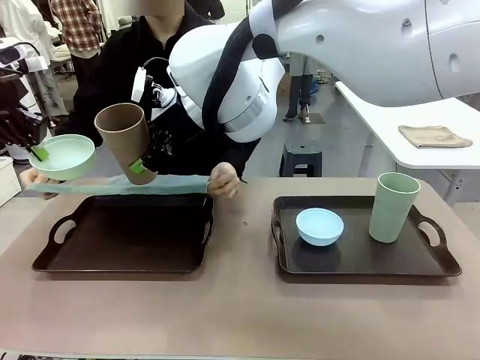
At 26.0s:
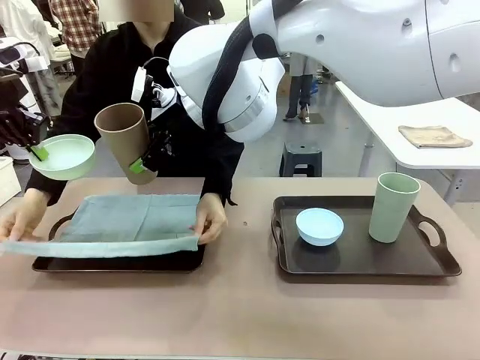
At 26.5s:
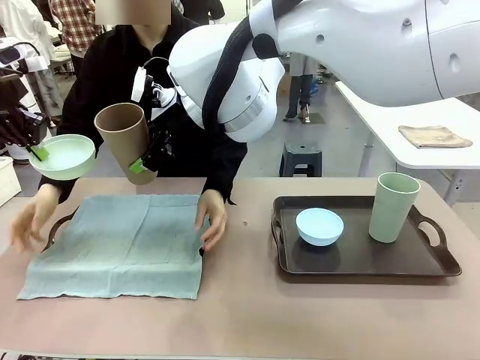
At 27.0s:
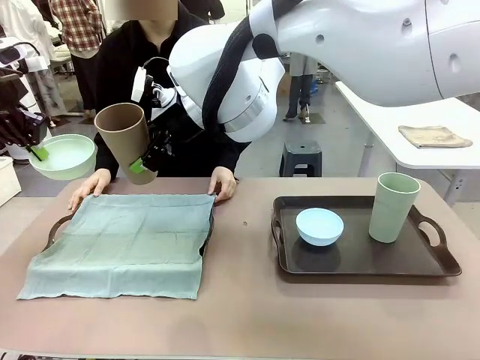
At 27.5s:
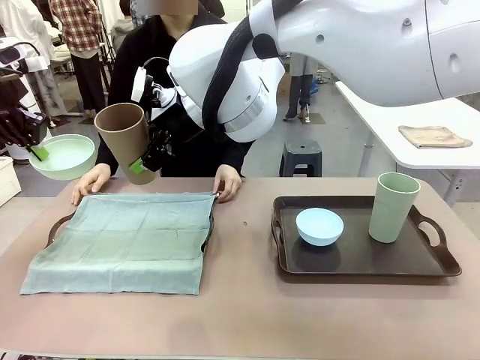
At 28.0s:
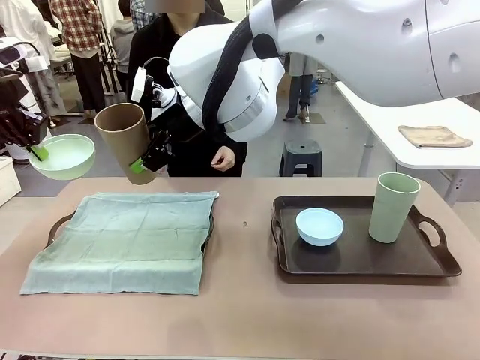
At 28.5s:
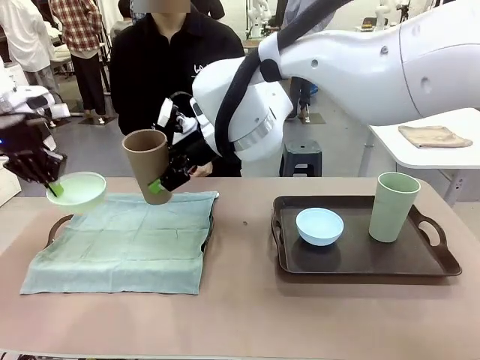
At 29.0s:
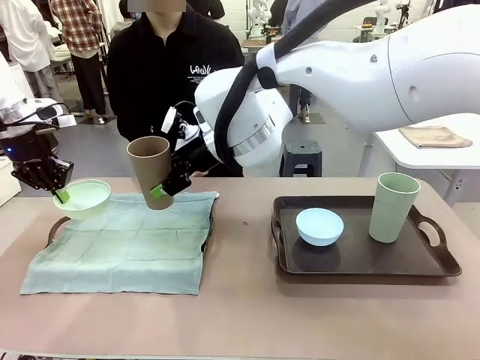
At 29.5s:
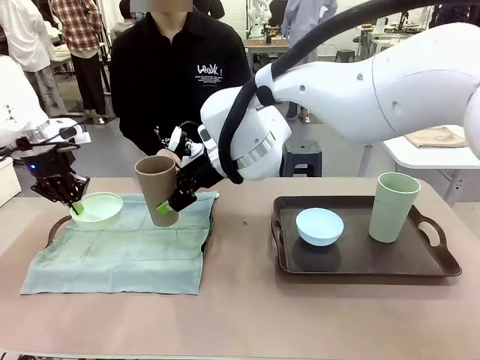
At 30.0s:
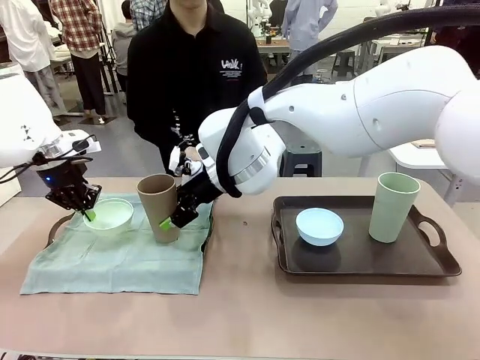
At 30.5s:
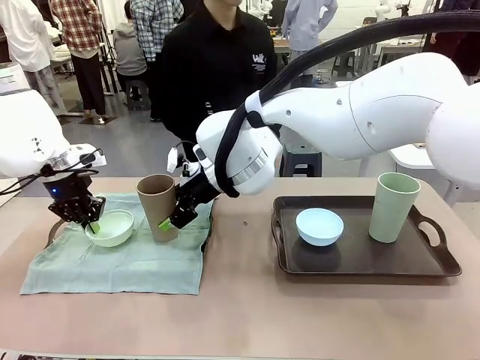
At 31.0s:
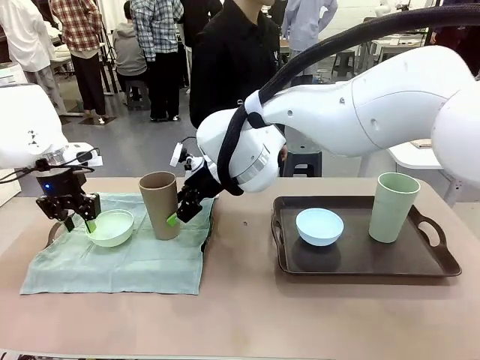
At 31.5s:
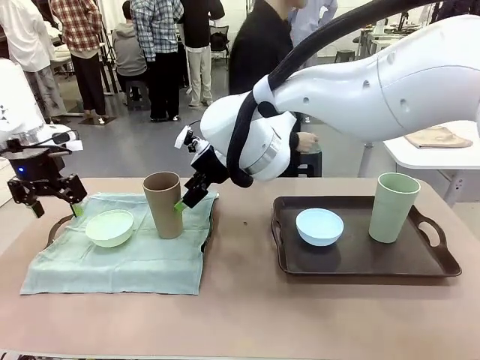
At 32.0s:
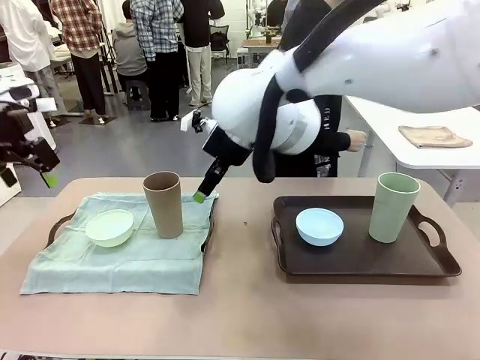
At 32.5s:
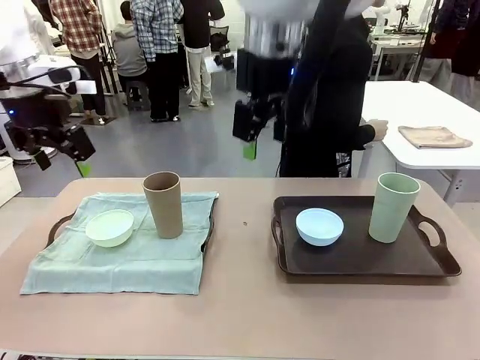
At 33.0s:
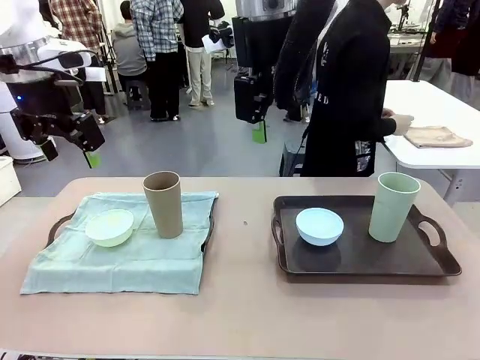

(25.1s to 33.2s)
Robot: Place the Picnic Bowl and Reusable plastic cup back onto the Handle tray in front of the human's position.

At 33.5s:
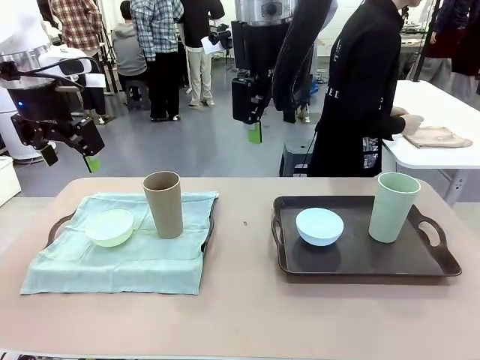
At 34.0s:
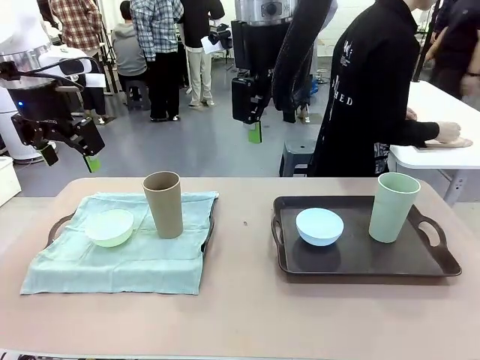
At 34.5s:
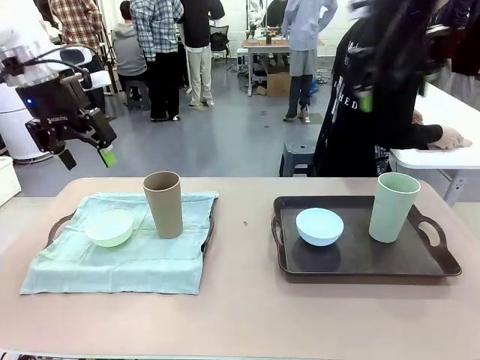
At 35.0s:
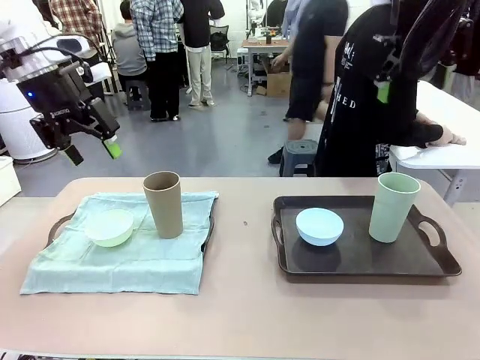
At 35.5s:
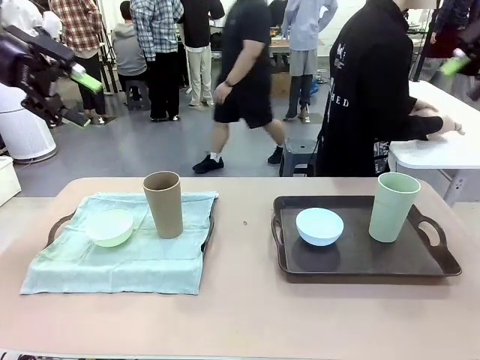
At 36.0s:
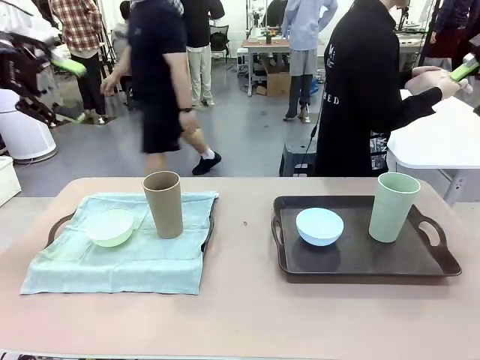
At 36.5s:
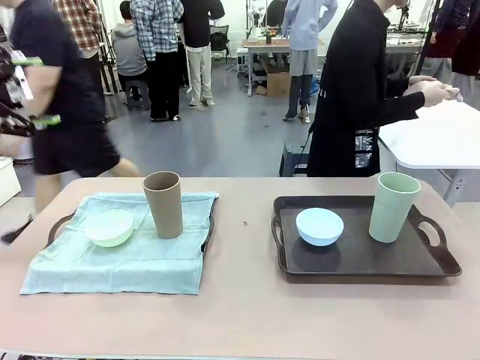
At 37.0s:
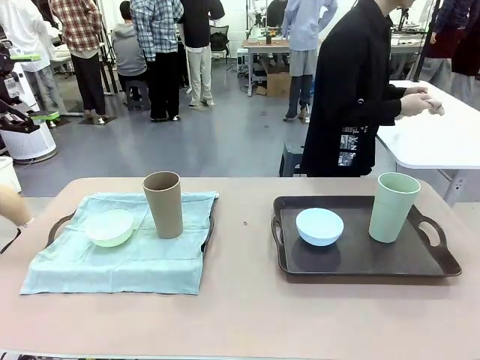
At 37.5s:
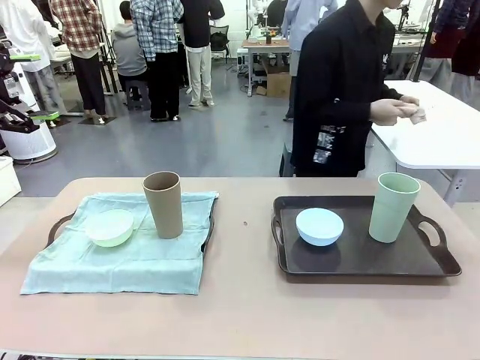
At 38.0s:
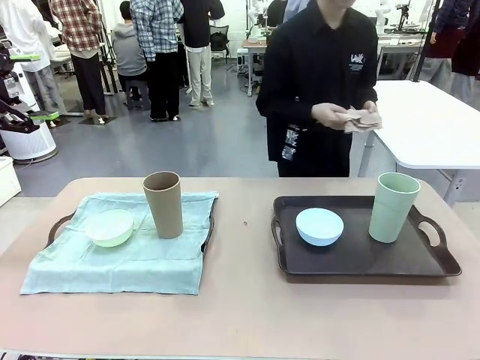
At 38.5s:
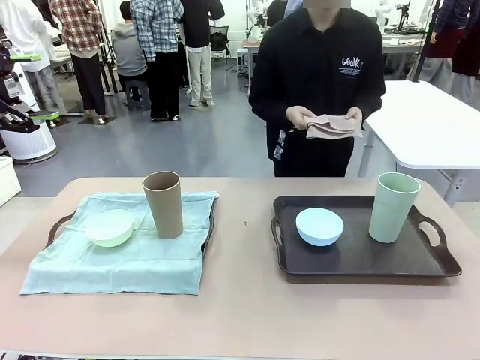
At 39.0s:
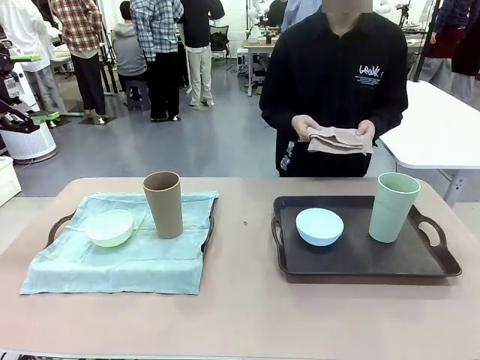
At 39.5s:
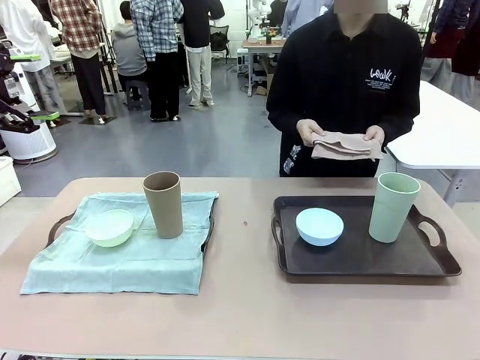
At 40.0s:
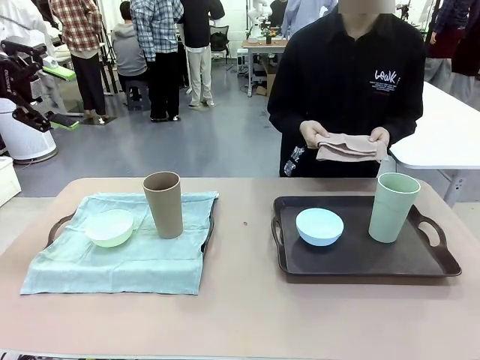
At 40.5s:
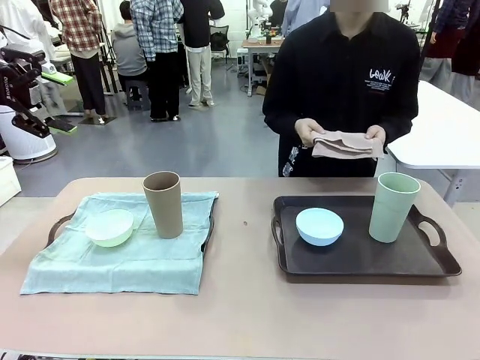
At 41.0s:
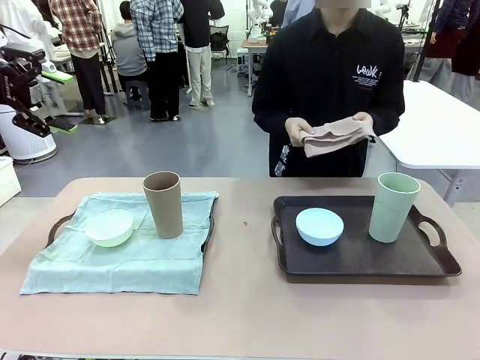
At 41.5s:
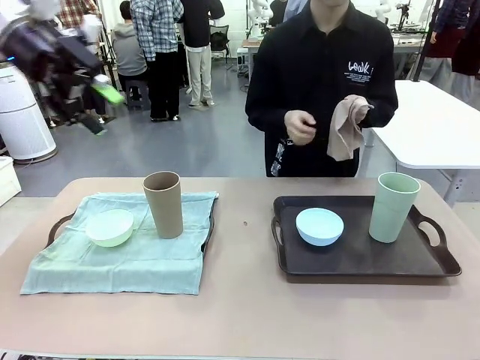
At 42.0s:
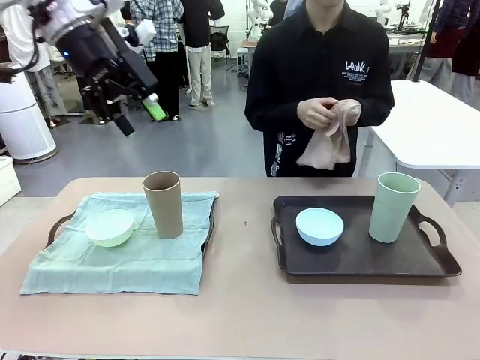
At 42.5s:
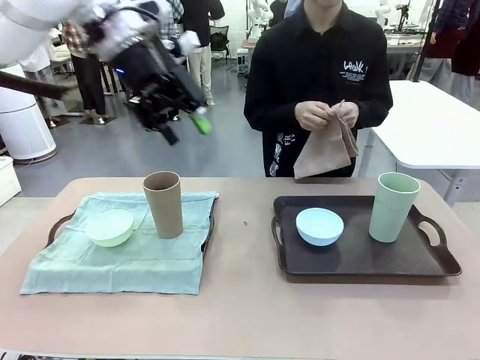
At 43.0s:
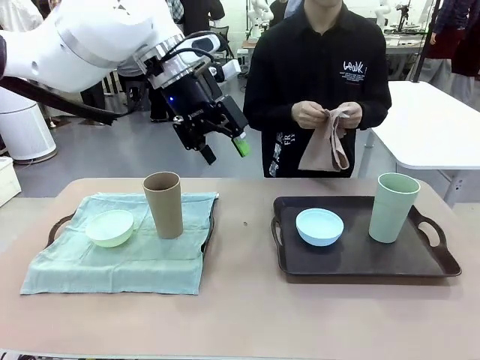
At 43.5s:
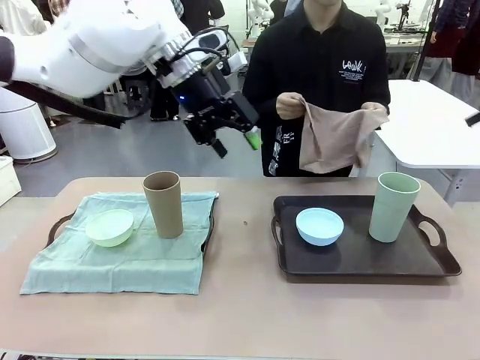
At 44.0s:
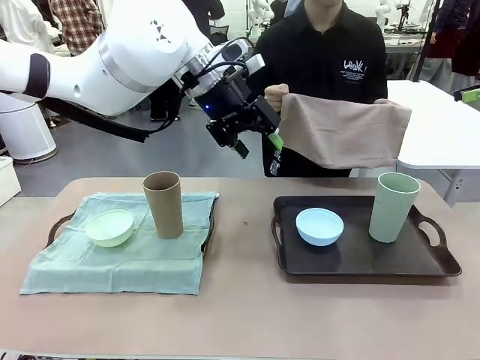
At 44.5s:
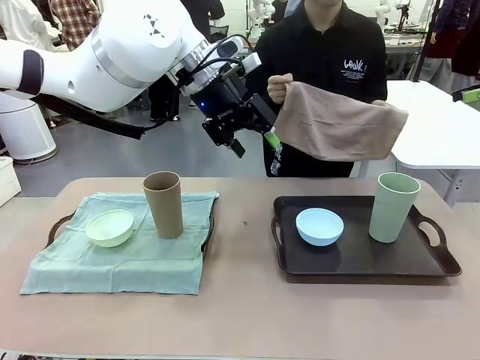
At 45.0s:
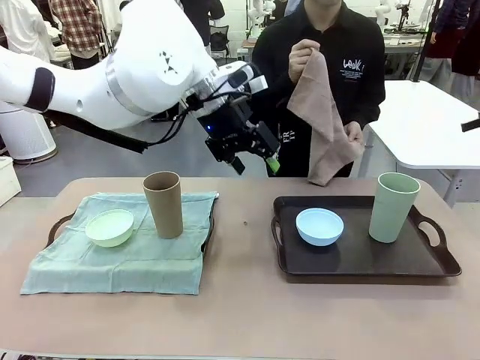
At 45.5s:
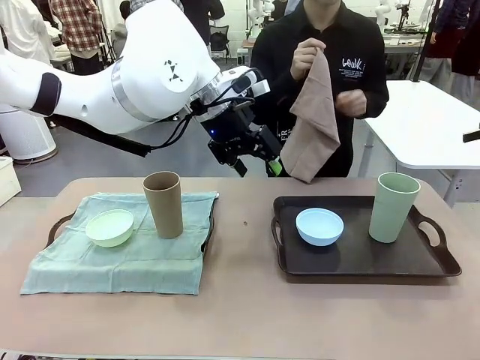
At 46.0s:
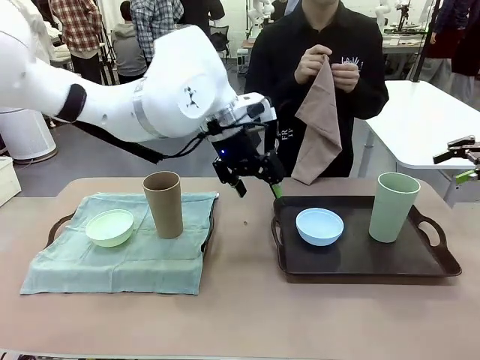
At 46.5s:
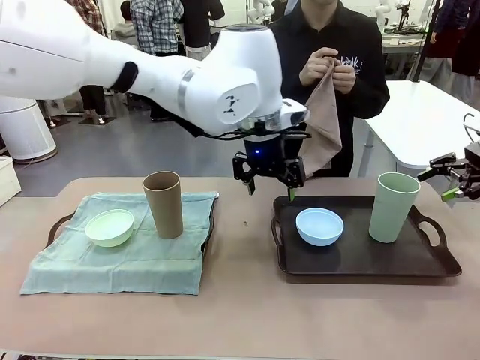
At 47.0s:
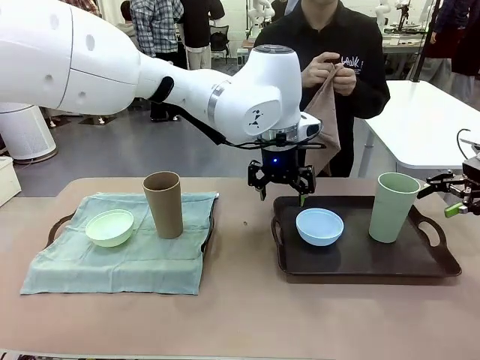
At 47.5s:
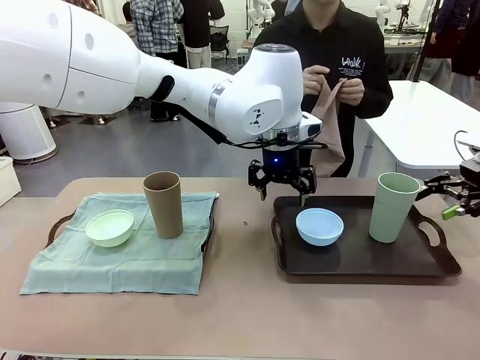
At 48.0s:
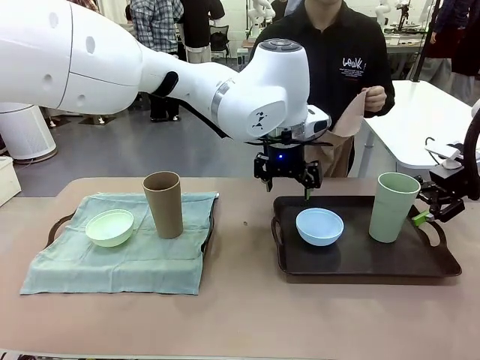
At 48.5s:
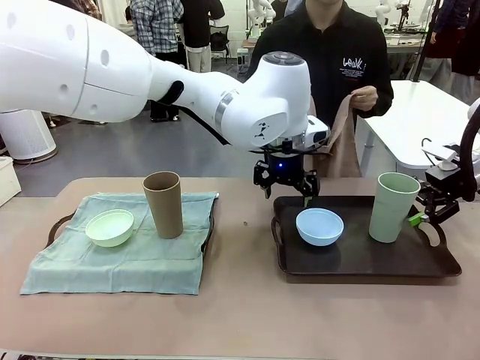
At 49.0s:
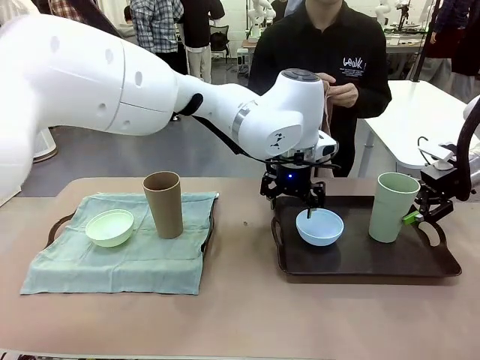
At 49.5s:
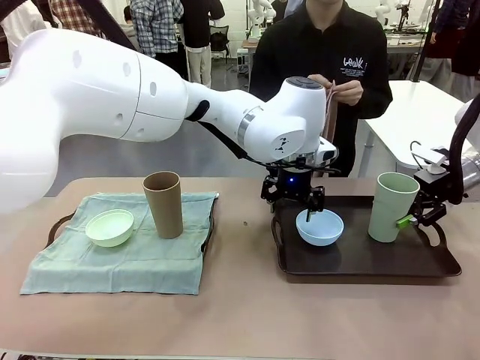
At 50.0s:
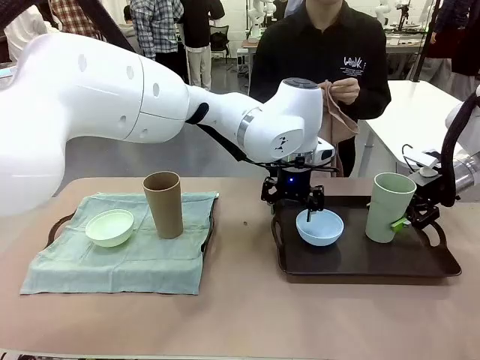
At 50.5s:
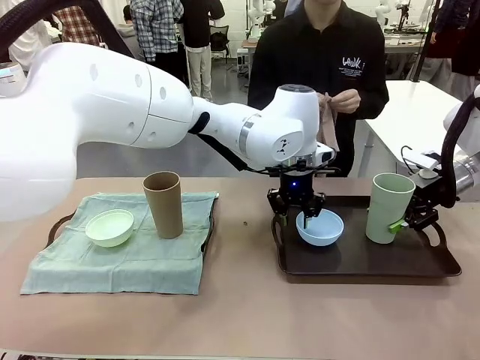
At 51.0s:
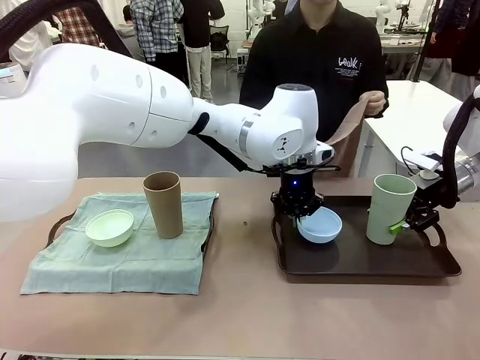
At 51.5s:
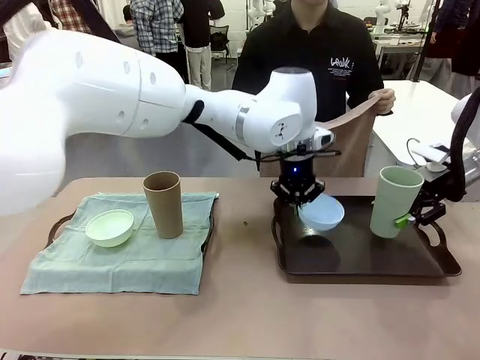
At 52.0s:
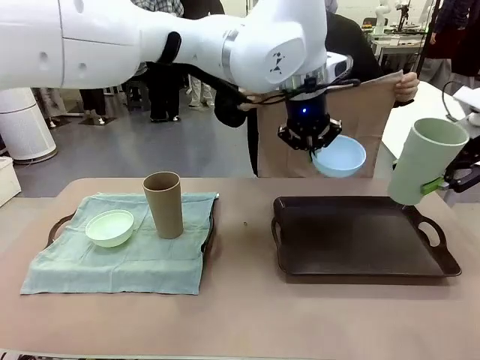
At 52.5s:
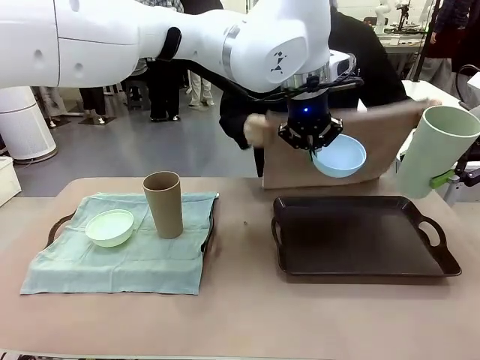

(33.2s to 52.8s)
Robot: Pick up the Picnic Bowl and Reusable plastic cup from the Handle tray in front of the human's position and hold them in the air.
Person: The human returns to the human table to pick up another napkin and walks to the robot table to stand in front of the tray without a napkin.
